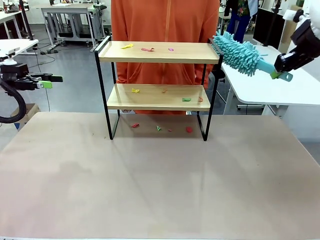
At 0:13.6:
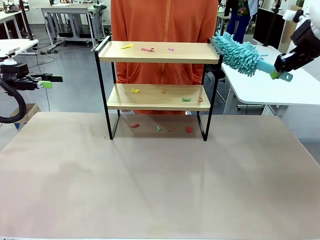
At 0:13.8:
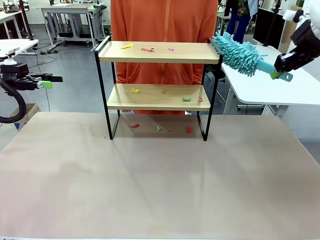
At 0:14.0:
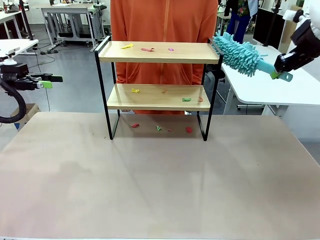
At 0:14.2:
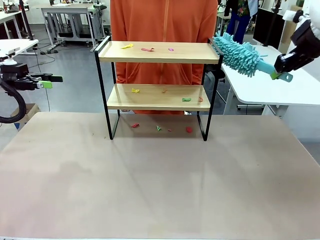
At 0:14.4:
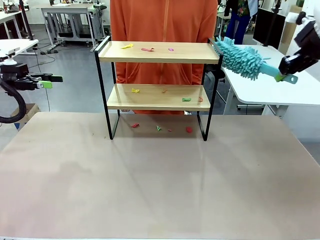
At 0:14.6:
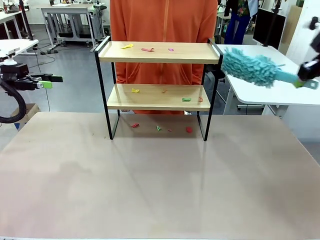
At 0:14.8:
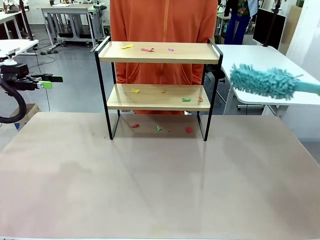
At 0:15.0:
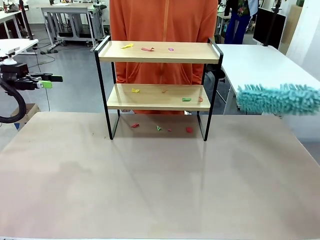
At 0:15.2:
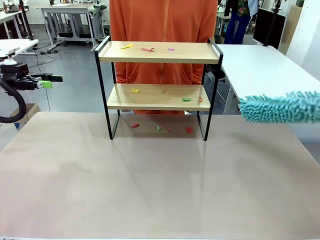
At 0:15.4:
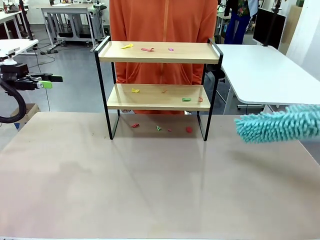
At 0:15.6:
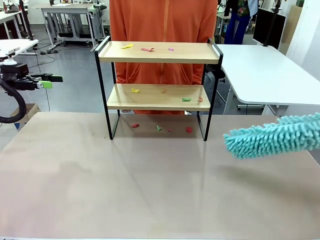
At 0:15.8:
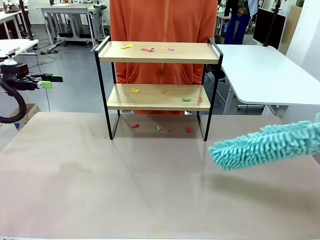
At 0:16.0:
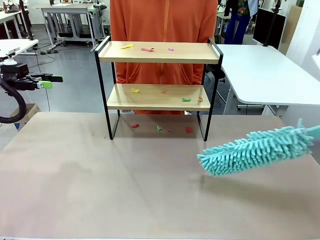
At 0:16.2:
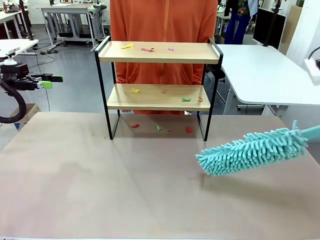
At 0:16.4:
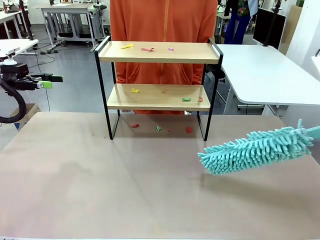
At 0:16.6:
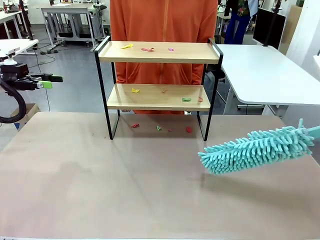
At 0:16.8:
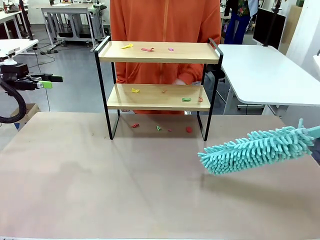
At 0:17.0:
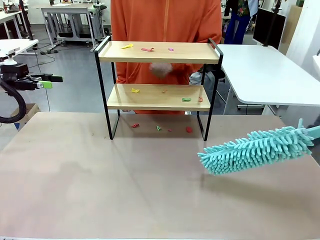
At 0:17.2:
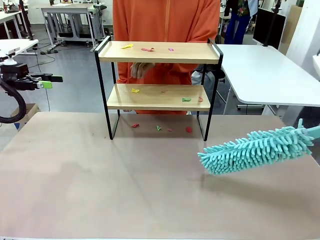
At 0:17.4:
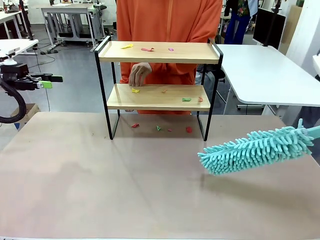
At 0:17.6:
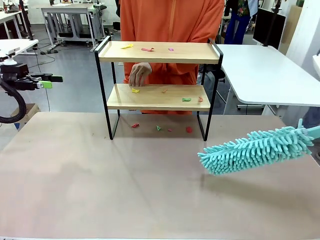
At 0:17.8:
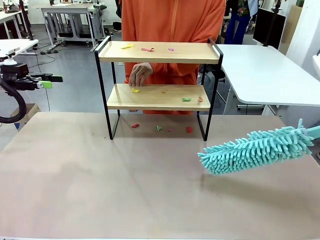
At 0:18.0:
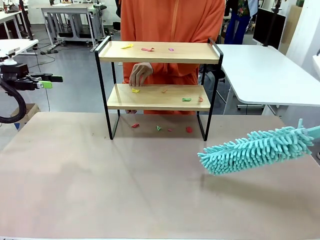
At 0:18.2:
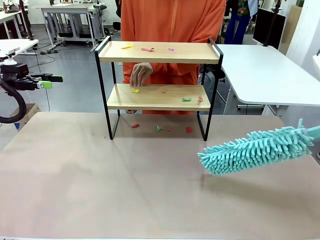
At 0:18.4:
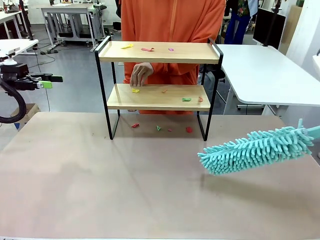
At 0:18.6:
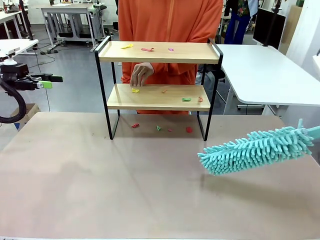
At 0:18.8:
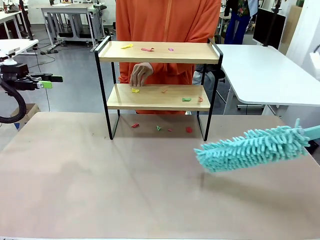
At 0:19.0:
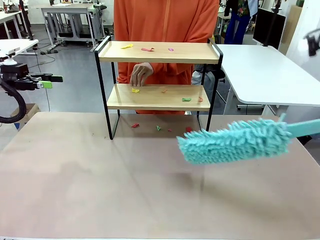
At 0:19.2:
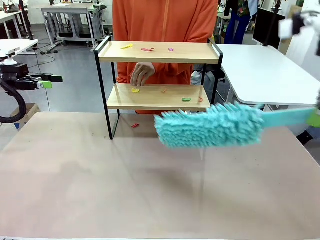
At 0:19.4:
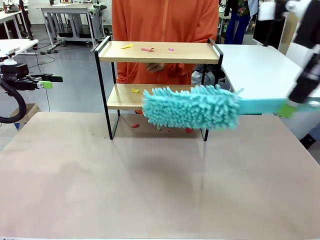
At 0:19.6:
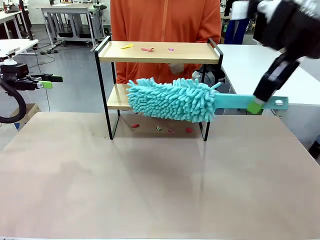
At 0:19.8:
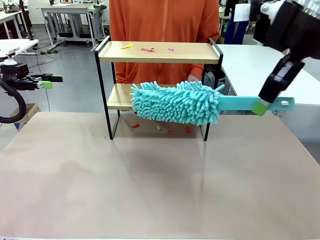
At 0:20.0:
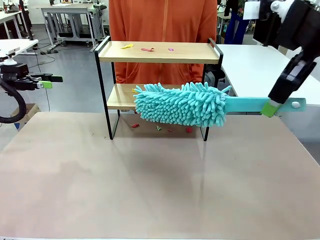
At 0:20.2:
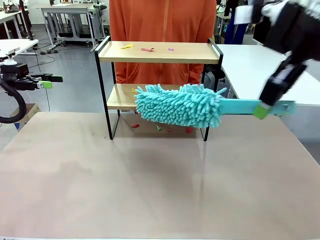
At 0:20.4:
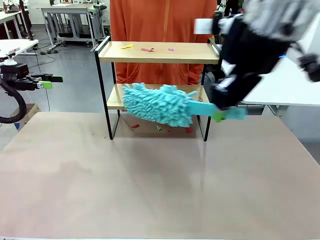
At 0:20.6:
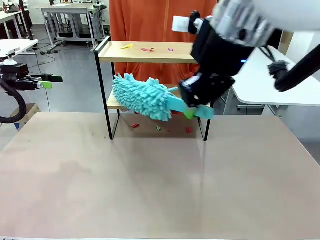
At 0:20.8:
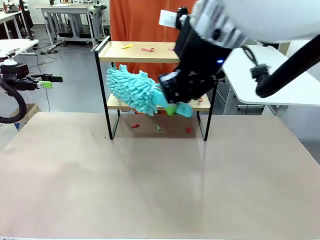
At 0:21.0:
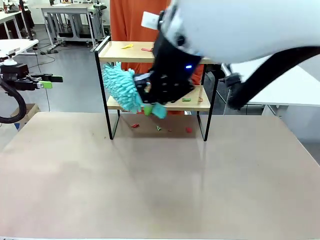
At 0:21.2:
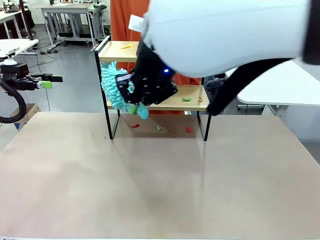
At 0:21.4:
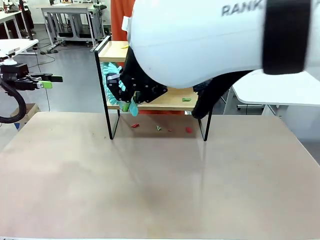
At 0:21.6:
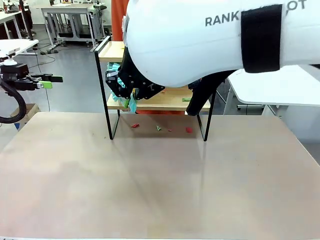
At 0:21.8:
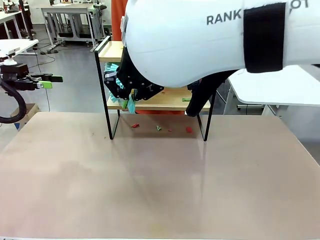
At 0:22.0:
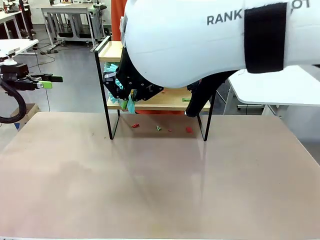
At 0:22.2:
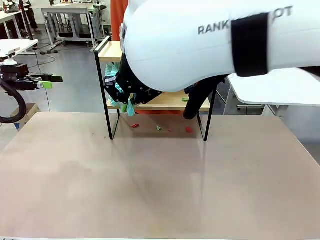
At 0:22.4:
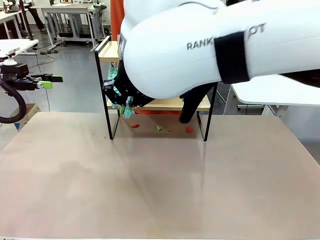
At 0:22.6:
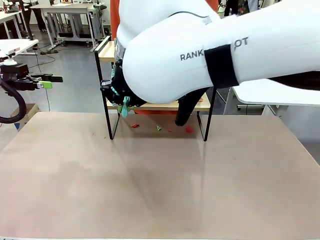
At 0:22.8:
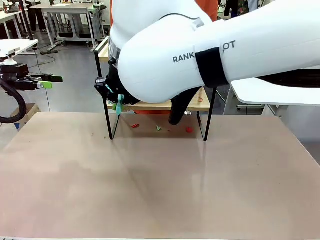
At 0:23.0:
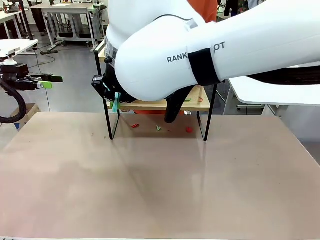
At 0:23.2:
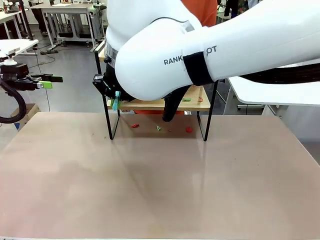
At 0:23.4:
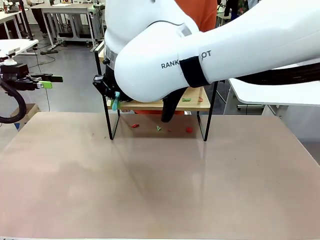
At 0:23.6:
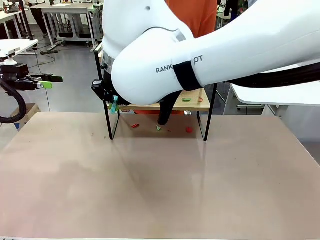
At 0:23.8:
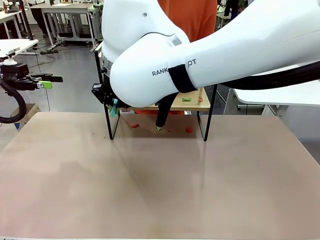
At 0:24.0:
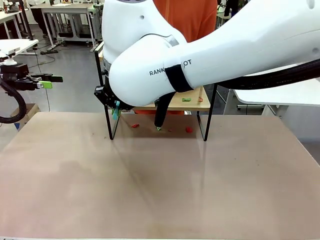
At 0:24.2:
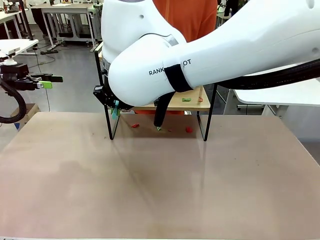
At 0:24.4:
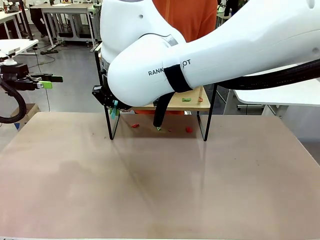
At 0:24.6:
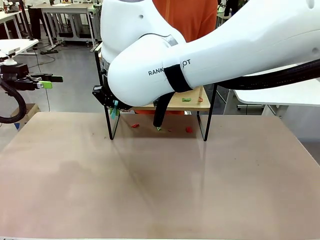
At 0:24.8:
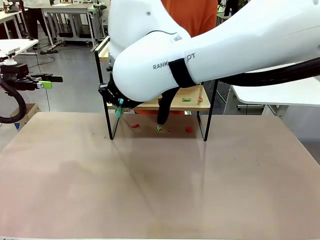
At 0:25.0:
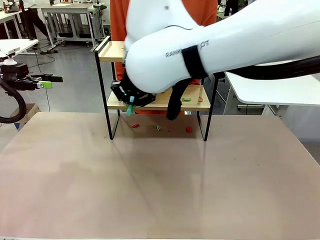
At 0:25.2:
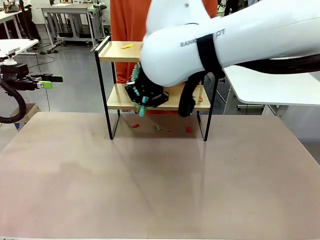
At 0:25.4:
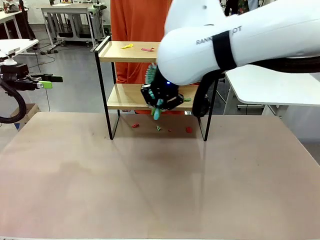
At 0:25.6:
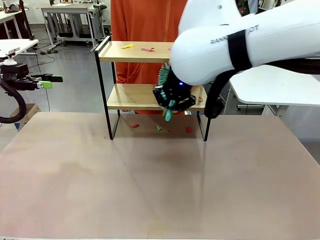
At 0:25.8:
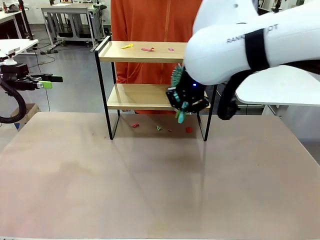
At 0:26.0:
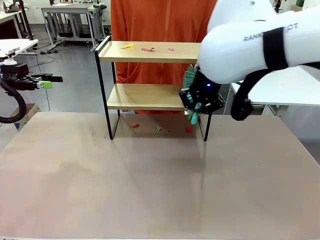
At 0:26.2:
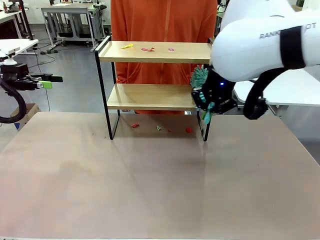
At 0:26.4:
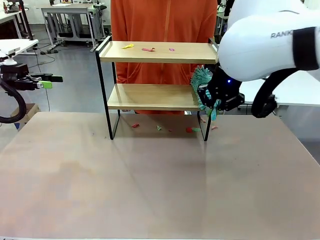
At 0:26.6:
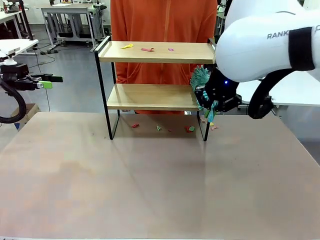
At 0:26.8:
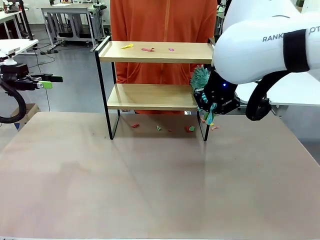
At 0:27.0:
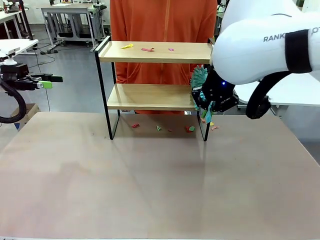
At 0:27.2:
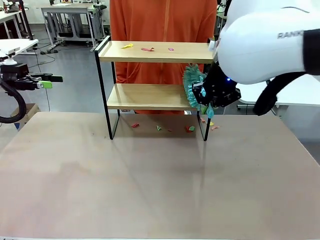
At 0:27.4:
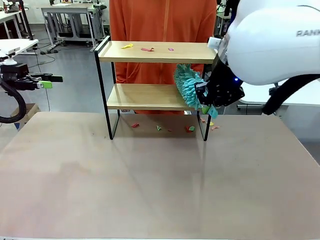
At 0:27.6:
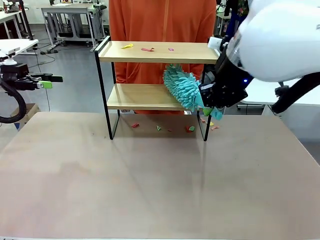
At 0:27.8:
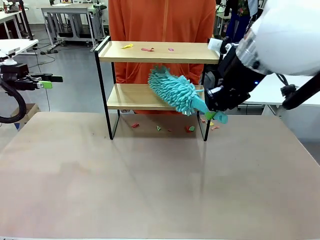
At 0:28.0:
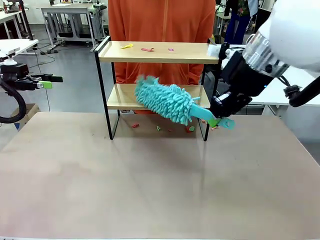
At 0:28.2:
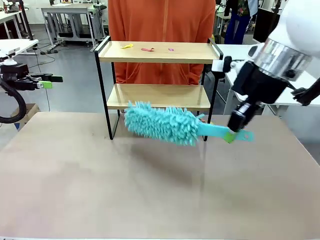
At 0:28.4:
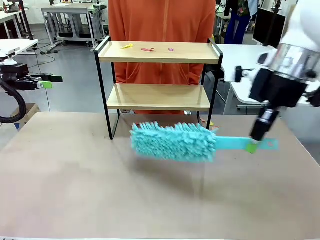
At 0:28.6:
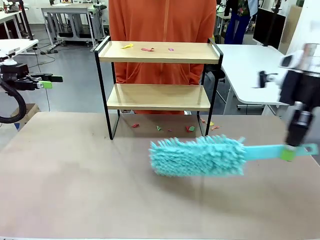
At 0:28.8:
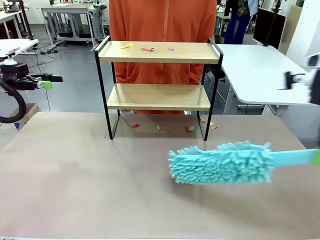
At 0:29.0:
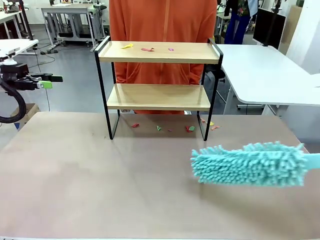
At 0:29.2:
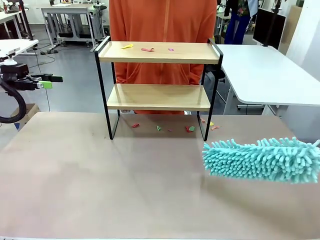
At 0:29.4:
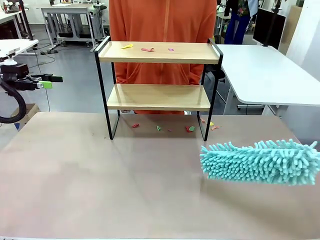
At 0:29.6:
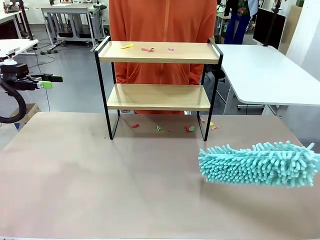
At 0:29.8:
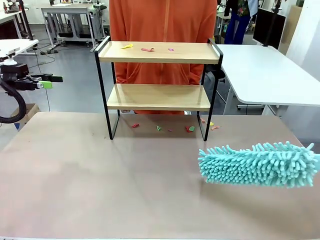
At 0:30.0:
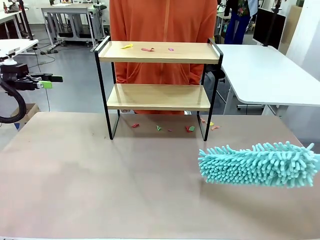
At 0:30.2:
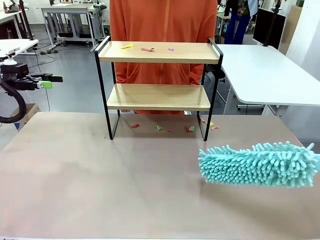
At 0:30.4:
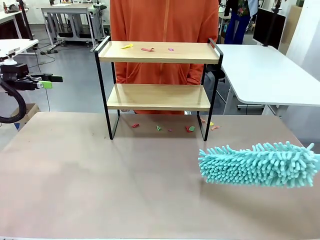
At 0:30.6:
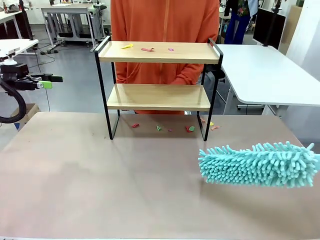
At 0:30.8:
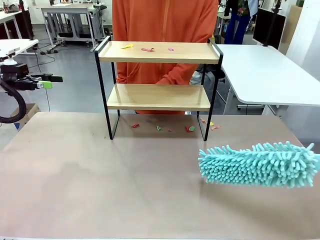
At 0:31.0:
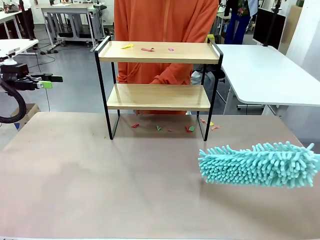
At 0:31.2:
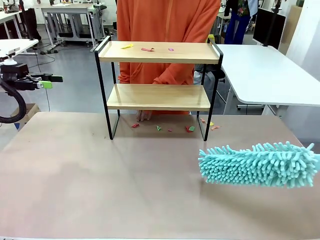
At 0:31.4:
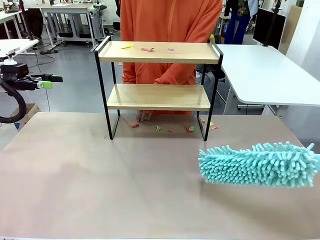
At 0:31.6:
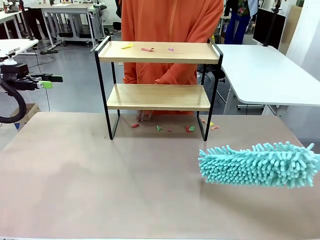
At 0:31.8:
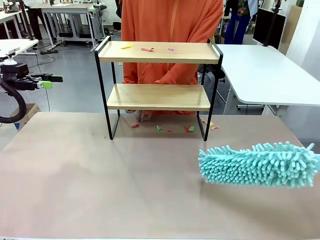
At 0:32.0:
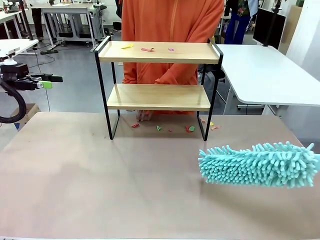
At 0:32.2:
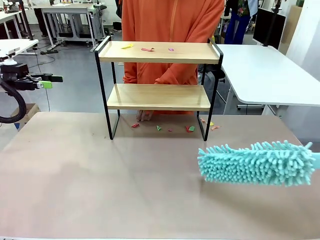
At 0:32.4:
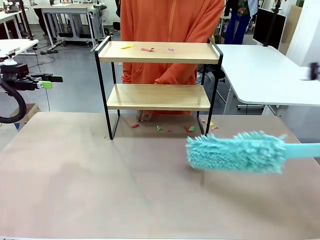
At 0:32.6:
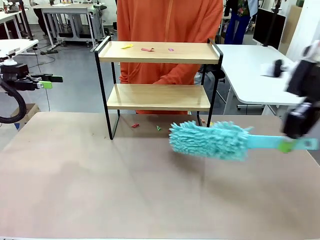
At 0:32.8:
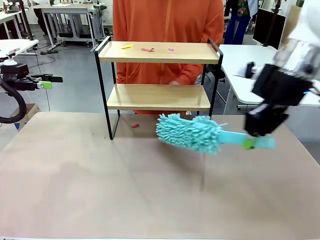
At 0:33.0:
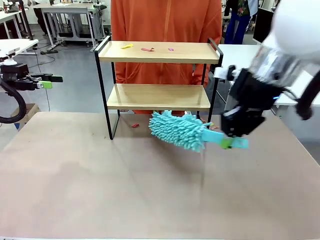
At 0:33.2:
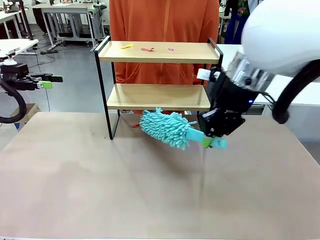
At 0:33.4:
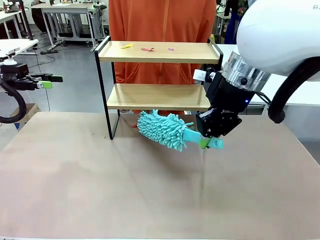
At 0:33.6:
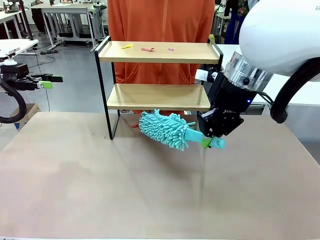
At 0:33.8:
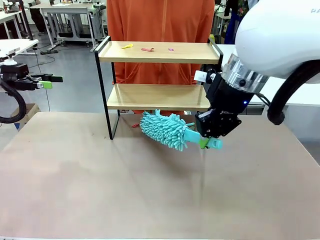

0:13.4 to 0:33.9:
Task: Clean the shelf.
Robot: Clean the specific section of the Shelf indicated by the human with the Duster.
Person: Point a random section of the Shelf.
